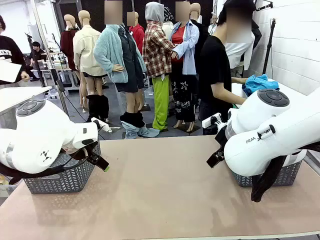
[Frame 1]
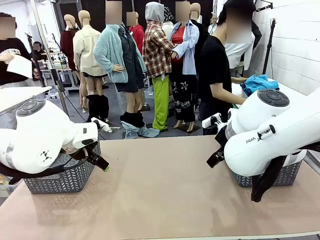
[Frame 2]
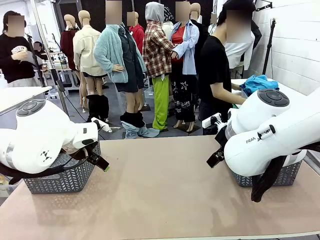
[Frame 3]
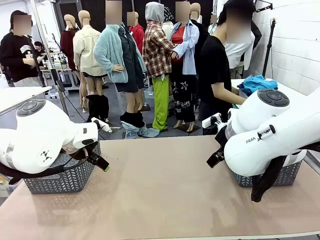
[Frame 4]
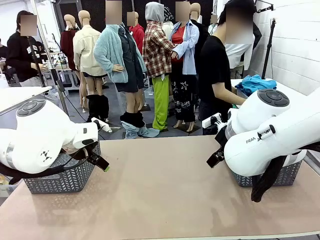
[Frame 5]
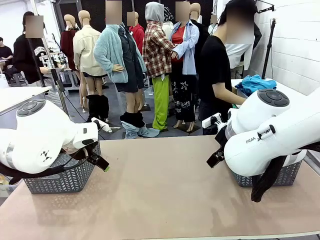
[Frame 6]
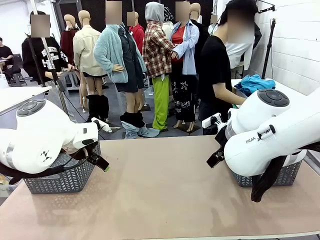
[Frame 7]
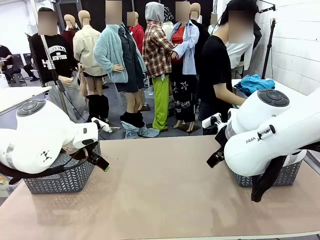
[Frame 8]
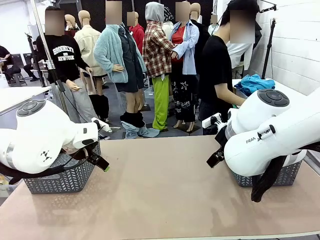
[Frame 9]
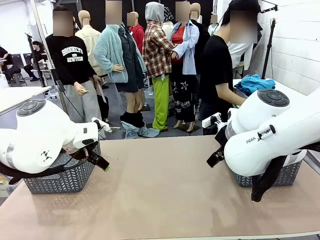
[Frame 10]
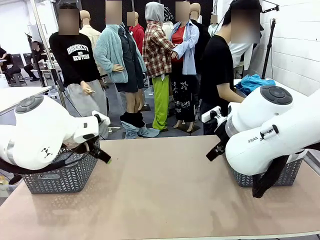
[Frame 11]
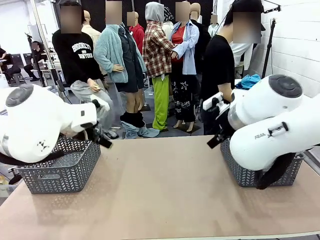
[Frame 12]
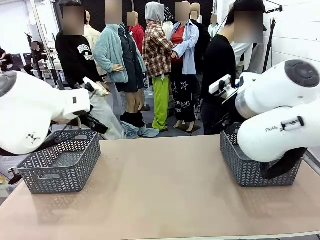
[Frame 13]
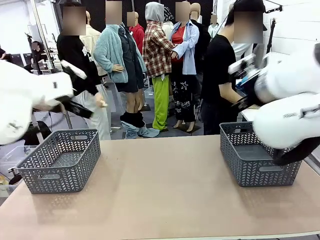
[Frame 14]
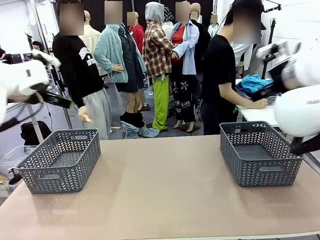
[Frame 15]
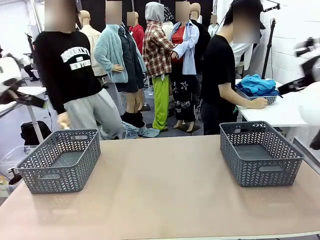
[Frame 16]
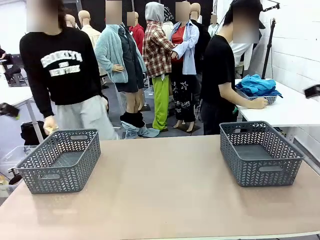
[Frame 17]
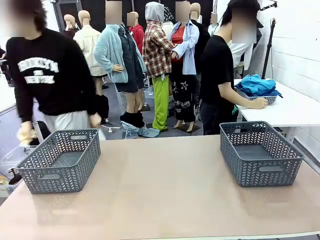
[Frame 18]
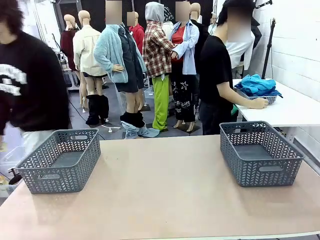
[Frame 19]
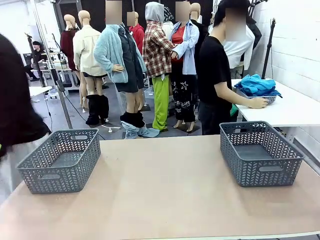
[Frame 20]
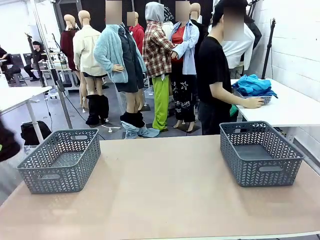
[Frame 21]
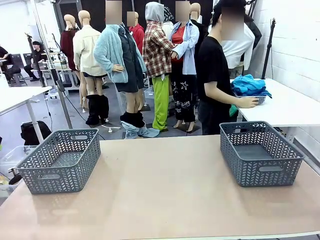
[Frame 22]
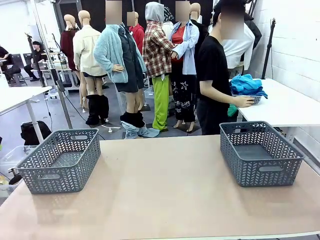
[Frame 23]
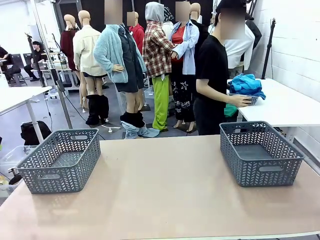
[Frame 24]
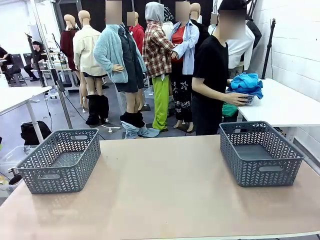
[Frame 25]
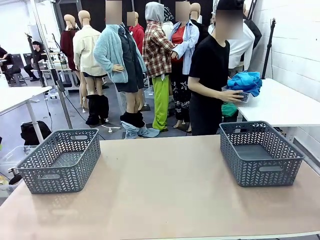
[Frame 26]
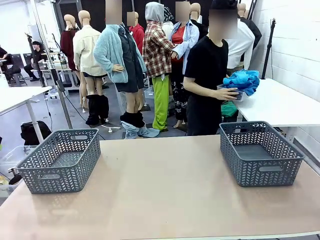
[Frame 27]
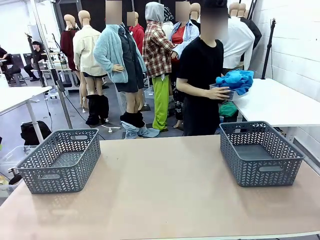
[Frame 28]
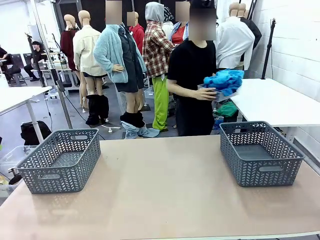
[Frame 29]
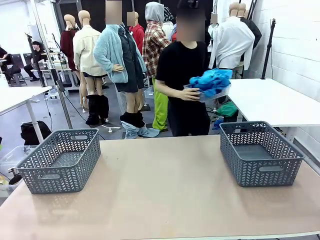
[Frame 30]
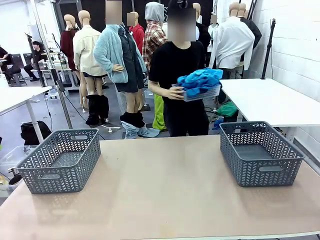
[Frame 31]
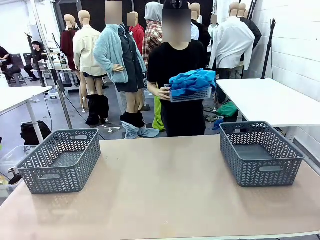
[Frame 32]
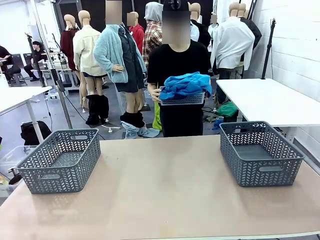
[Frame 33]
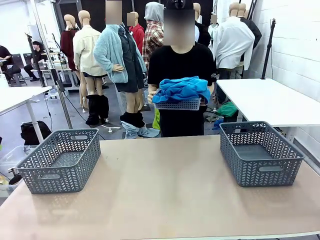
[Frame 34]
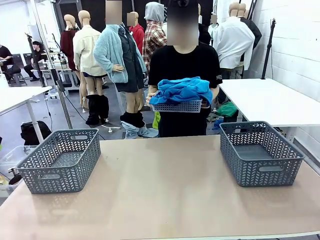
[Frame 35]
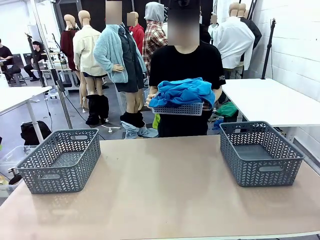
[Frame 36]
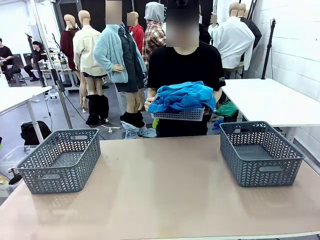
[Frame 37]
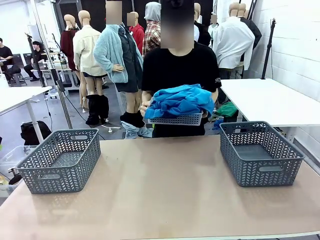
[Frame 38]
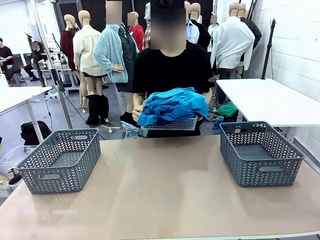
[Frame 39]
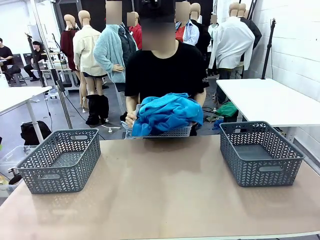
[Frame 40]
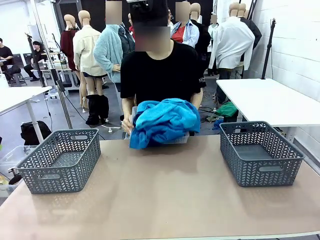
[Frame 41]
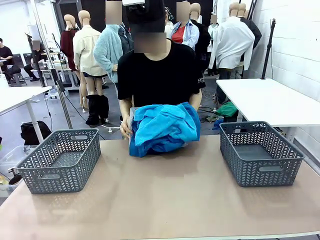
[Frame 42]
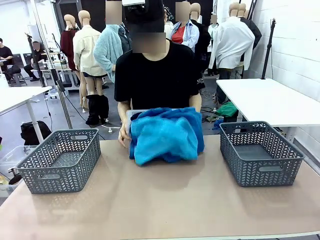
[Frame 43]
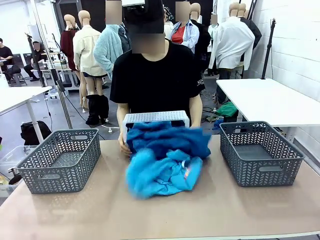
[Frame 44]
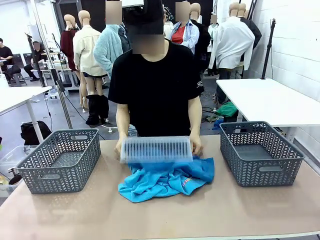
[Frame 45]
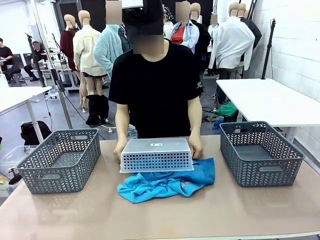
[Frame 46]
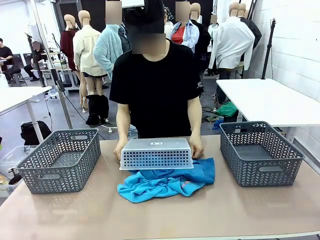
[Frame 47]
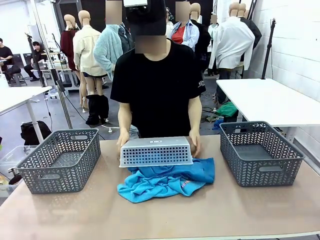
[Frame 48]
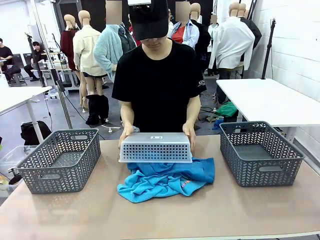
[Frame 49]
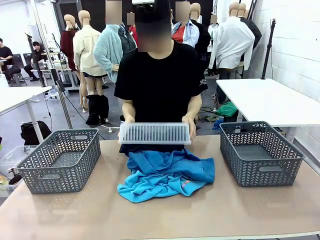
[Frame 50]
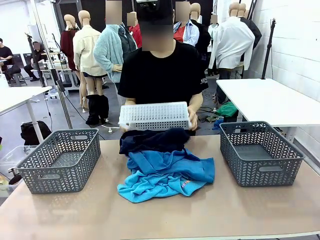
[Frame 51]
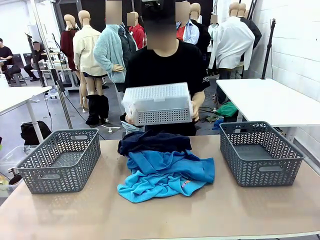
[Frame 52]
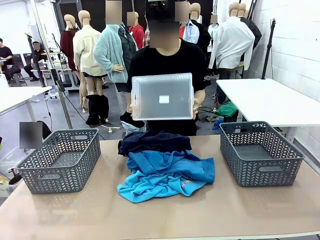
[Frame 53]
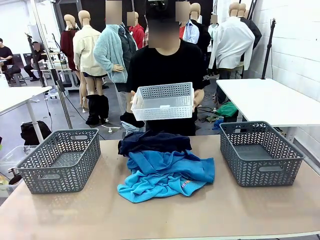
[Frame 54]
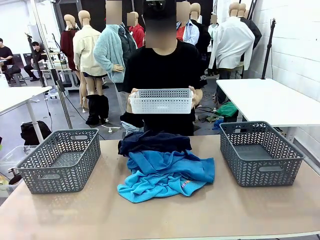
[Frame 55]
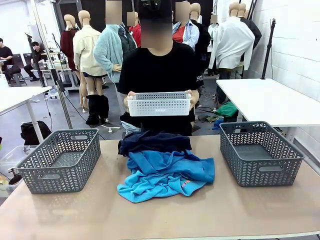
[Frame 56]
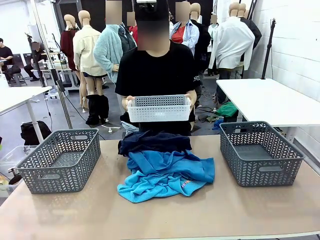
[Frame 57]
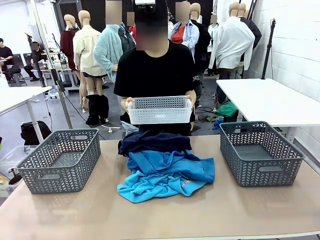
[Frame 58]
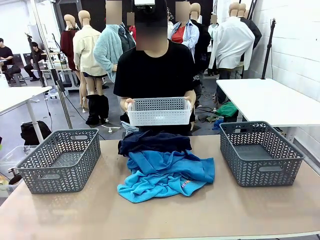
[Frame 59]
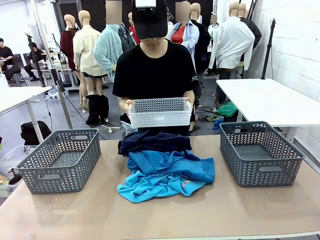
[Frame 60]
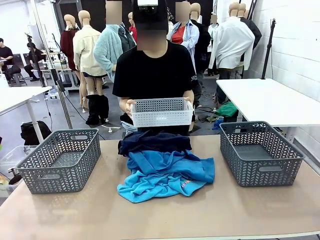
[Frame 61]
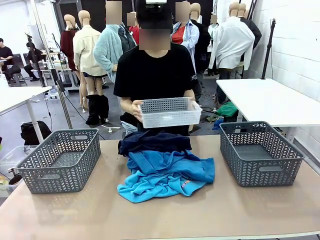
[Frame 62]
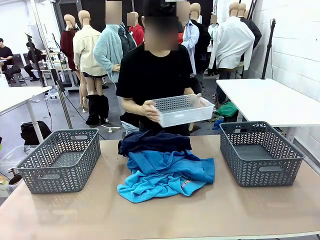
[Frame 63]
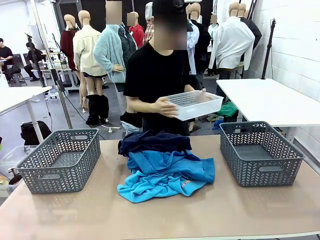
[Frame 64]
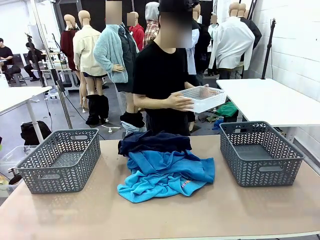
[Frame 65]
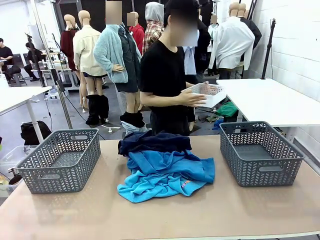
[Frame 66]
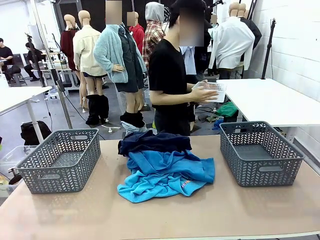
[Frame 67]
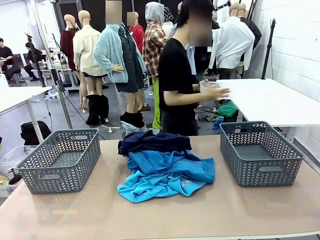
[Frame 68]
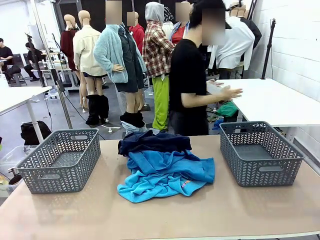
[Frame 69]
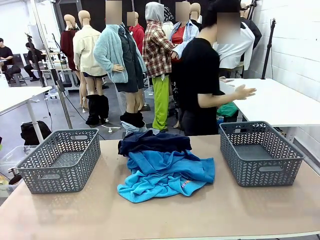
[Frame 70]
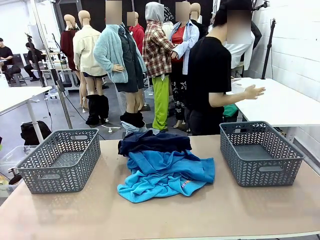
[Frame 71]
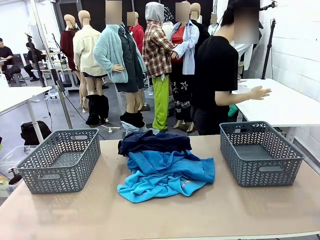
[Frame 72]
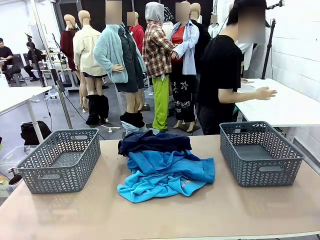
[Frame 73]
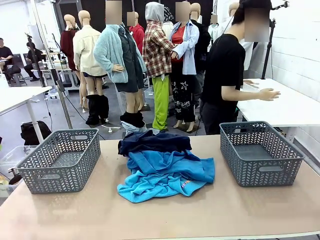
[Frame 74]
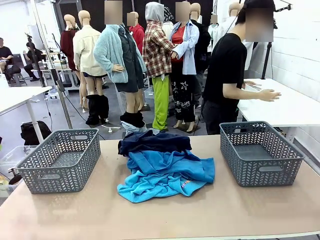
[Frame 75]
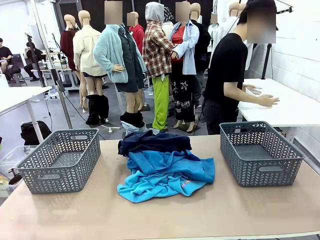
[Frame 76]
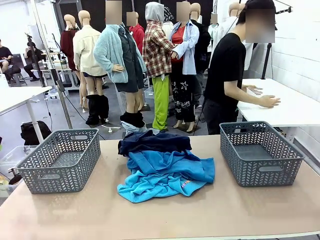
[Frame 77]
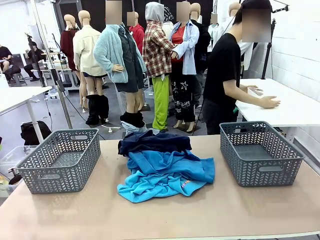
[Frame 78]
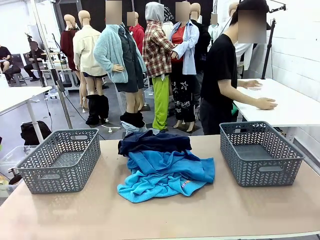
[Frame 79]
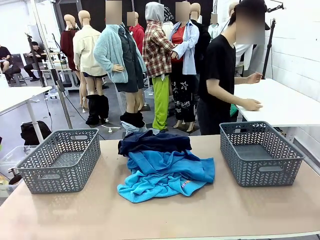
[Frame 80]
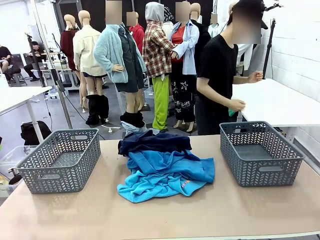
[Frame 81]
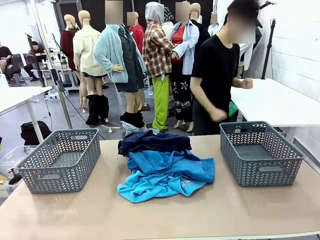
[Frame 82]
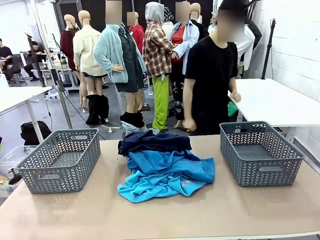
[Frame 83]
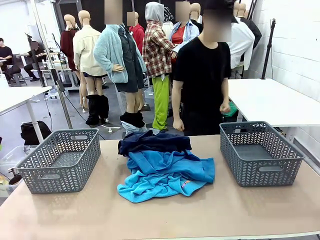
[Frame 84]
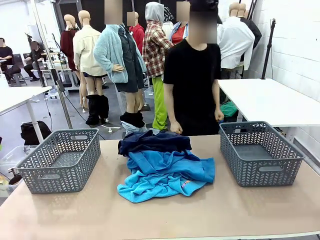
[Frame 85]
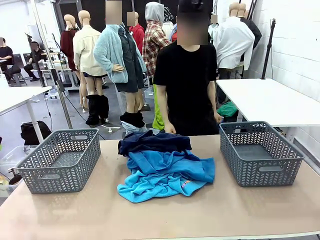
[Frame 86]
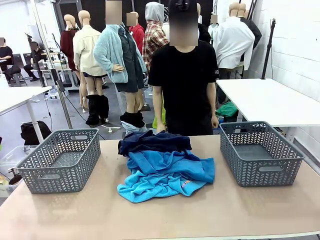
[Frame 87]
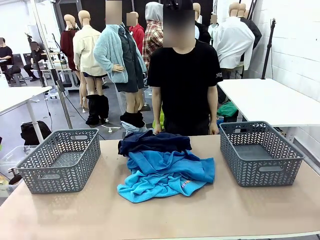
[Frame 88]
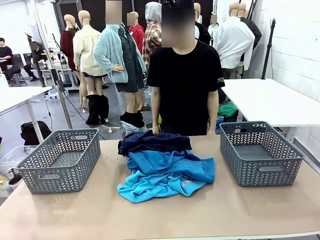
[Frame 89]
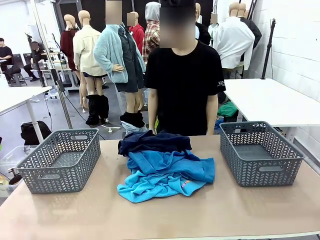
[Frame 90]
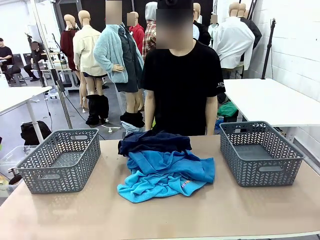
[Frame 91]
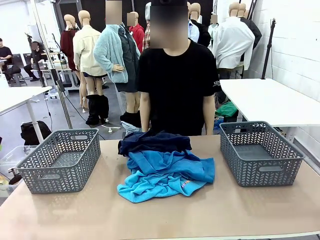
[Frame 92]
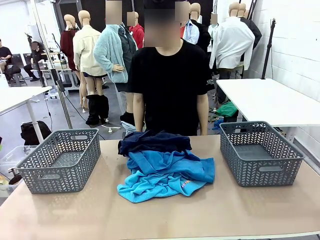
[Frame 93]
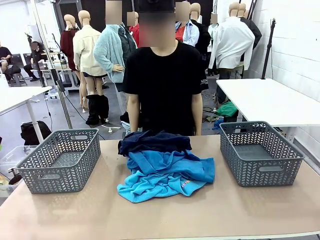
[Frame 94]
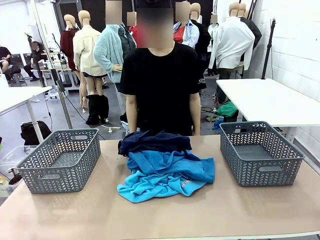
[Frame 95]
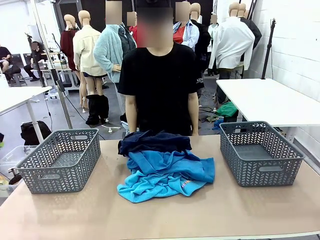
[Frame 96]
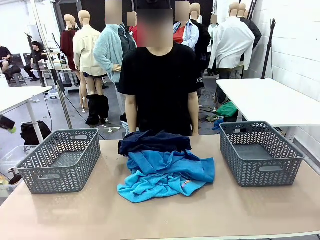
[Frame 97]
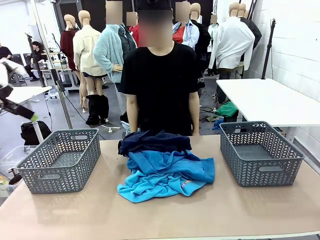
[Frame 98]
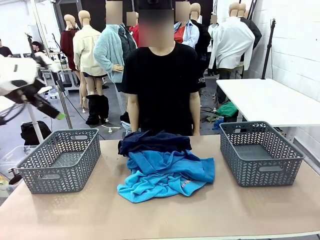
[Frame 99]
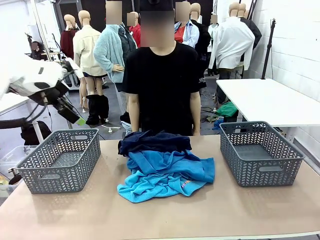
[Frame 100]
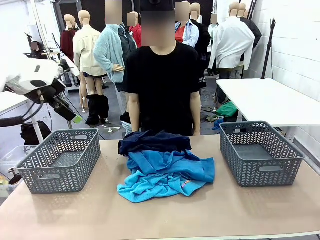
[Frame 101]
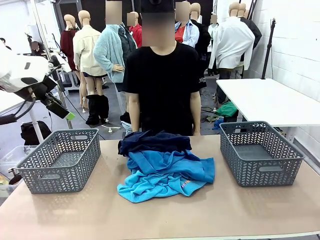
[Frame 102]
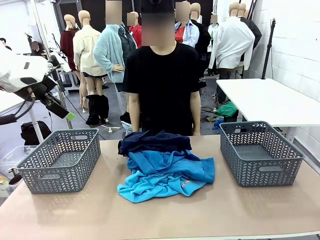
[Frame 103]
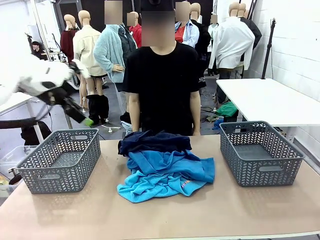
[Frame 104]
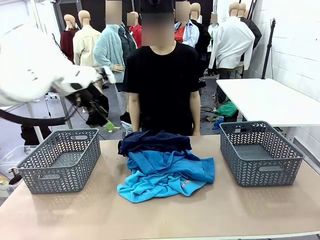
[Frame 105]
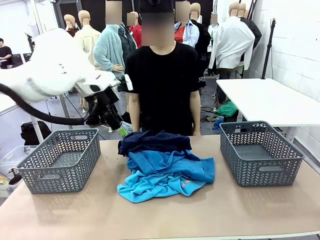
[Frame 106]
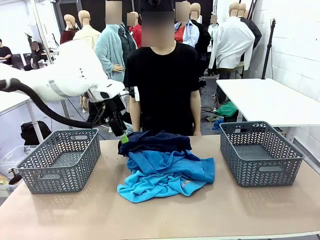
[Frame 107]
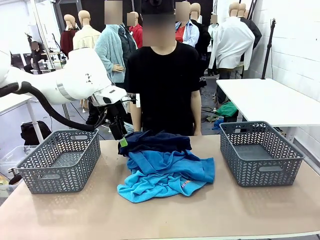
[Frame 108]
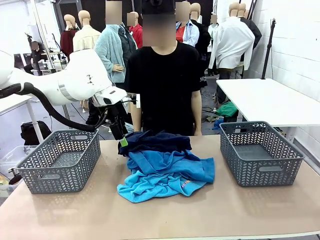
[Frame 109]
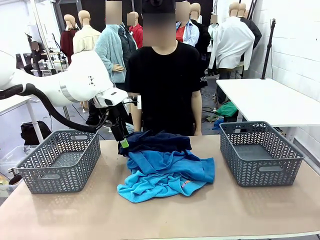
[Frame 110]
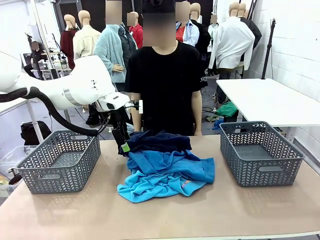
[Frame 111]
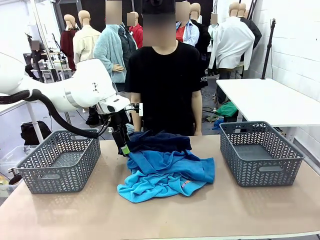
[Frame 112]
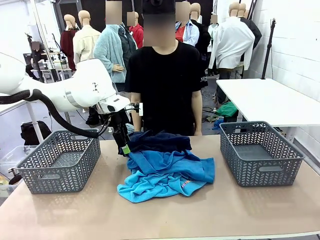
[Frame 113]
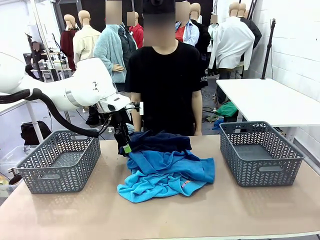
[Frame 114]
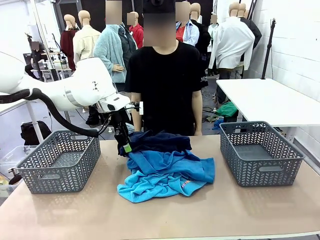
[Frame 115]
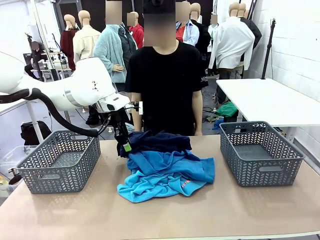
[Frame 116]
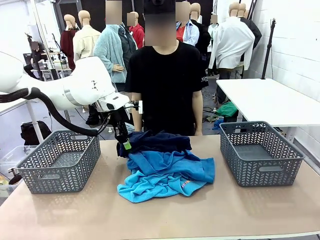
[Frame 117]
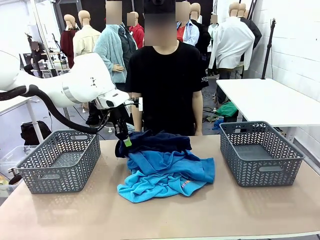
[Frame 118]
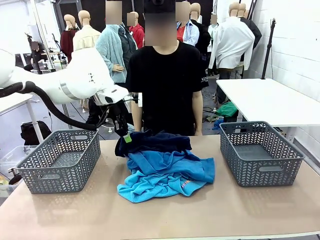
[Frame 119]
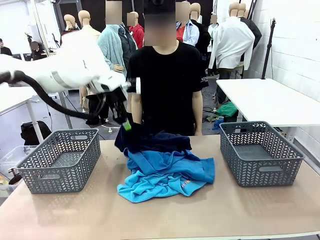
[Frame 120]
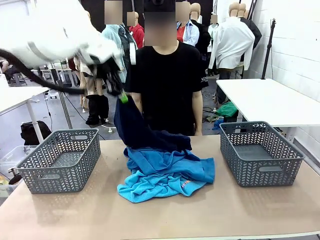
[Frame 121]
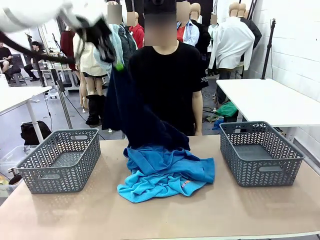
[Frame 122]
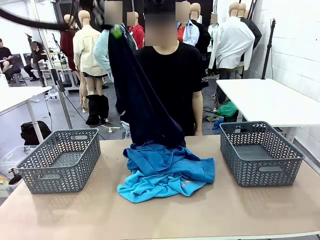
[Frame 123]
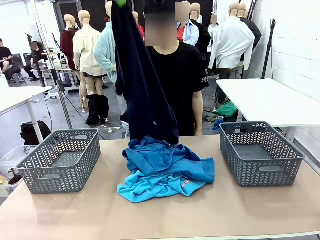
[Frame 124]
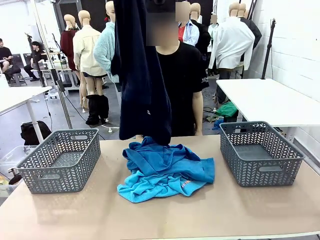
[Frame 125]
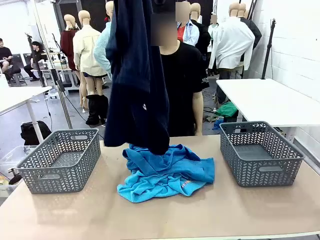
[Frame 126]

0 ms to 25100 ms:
Task: Sort the tops and bottoms.
Robot: Lift clothes from the center of the table with your left hand.
Person: Pour the clothes from the basket onto the center of the robot table.
